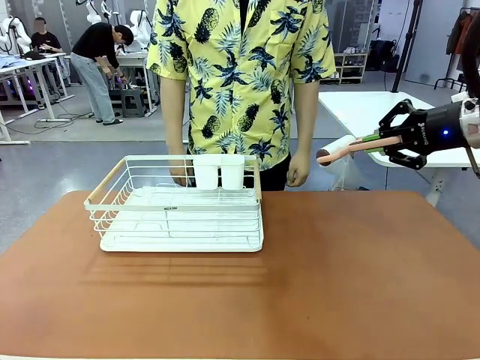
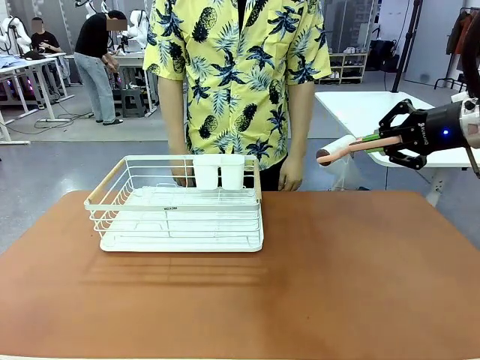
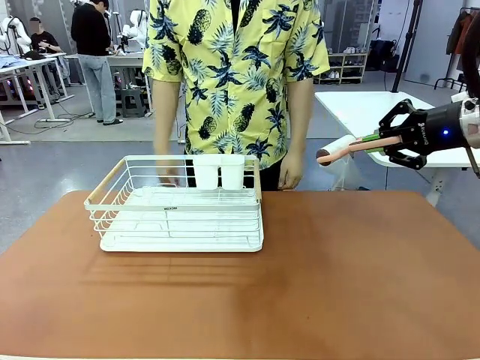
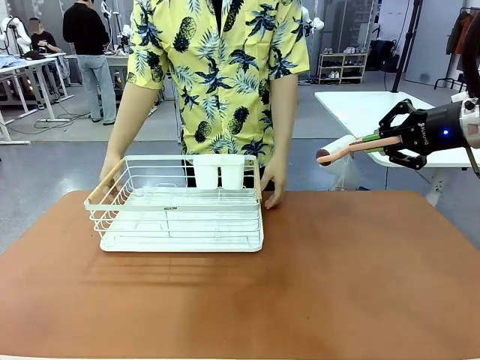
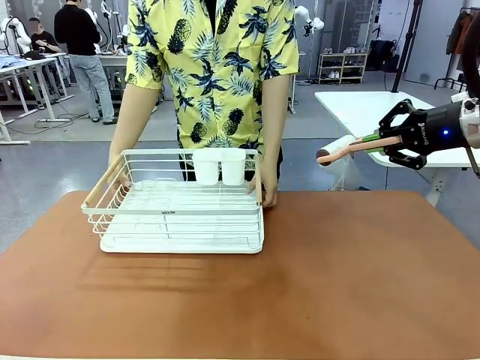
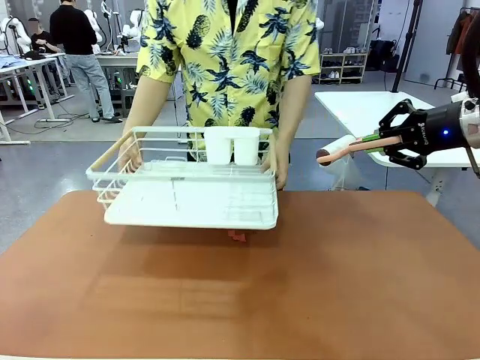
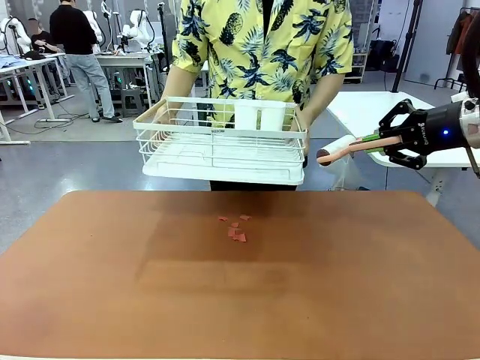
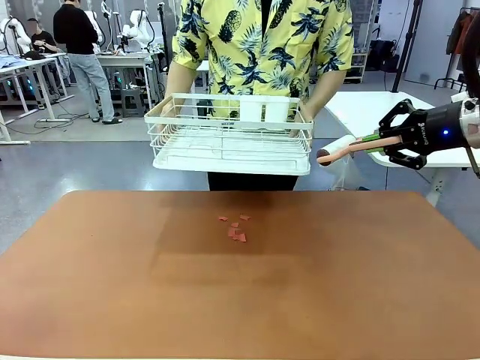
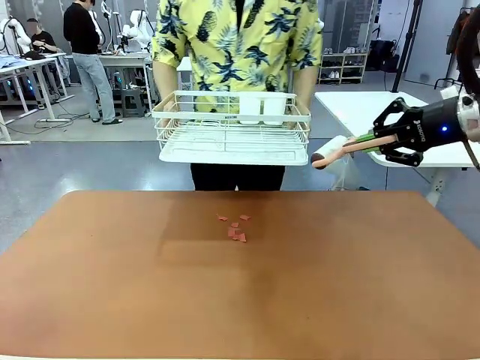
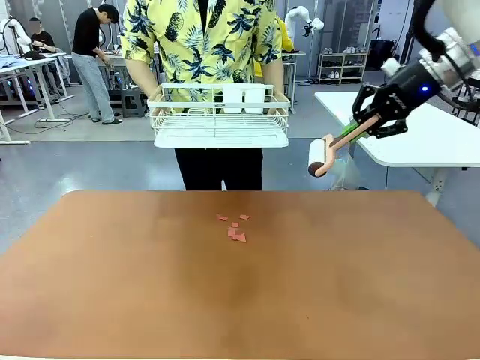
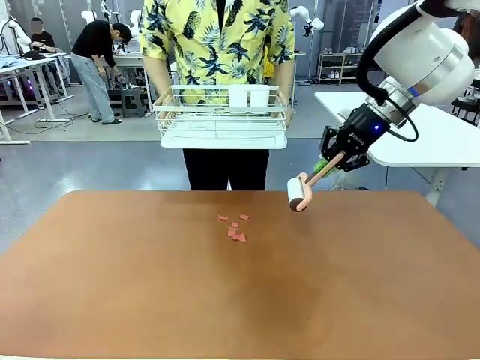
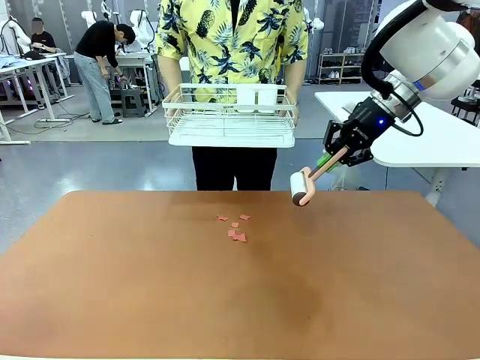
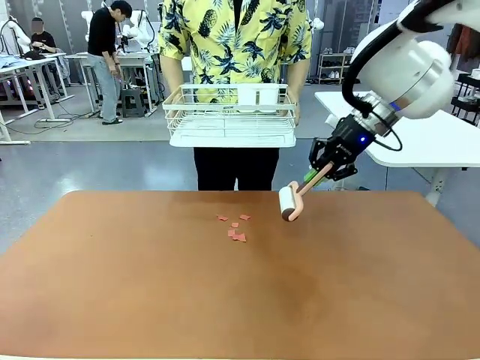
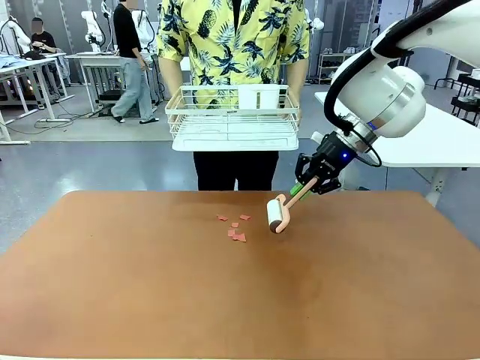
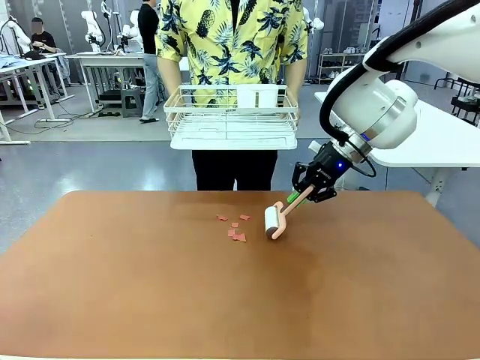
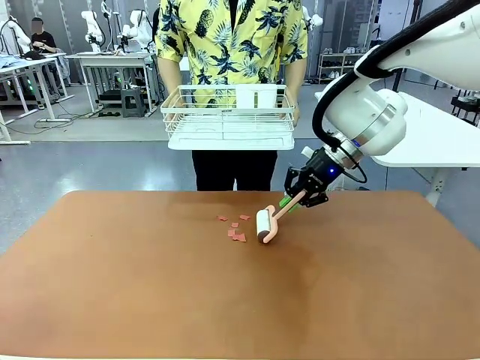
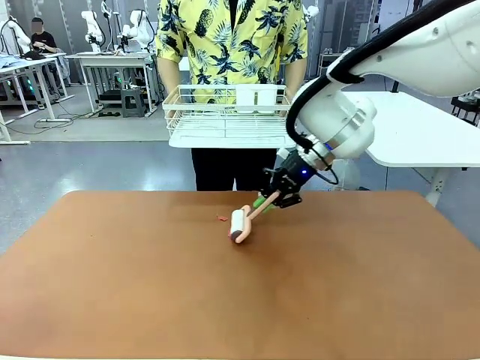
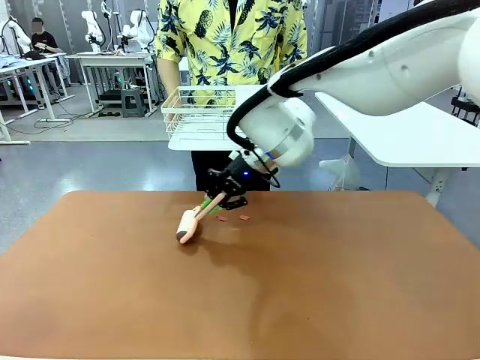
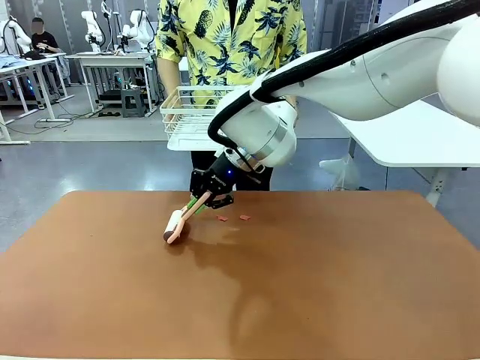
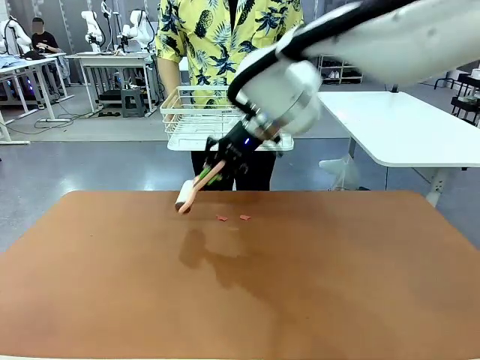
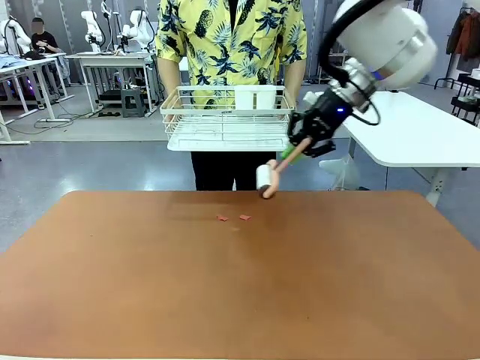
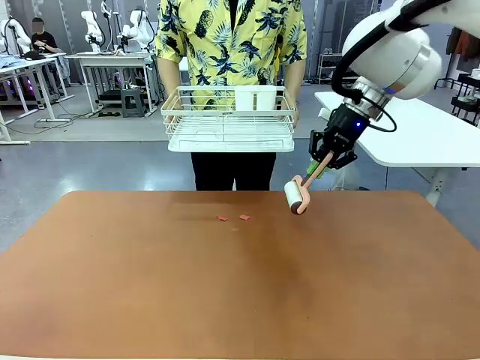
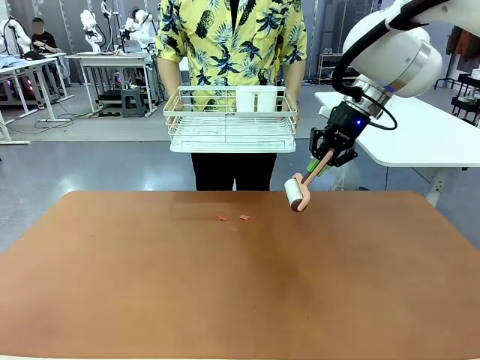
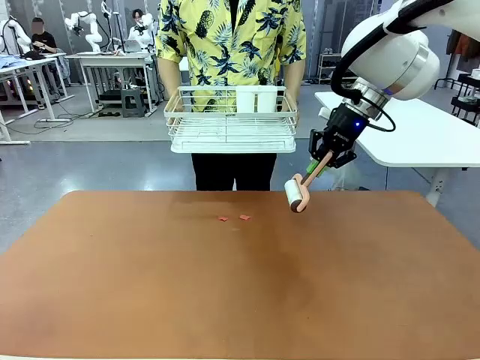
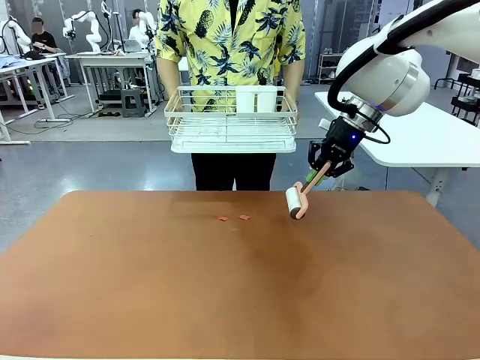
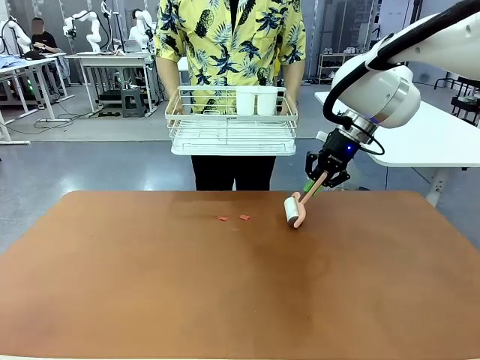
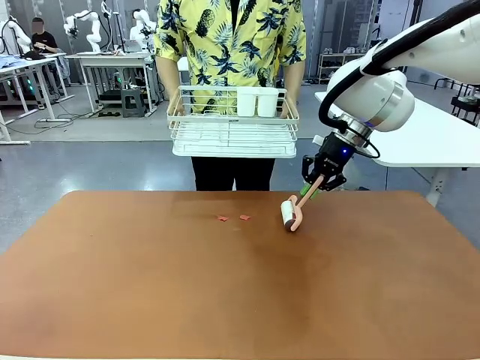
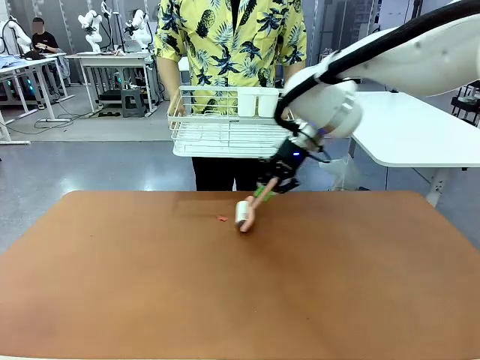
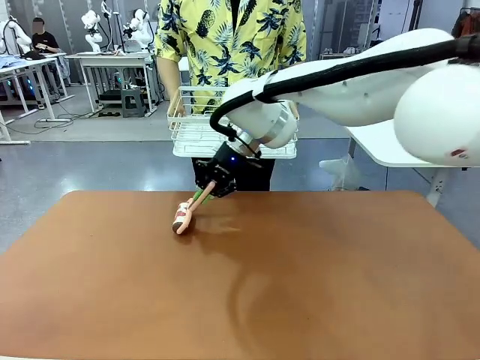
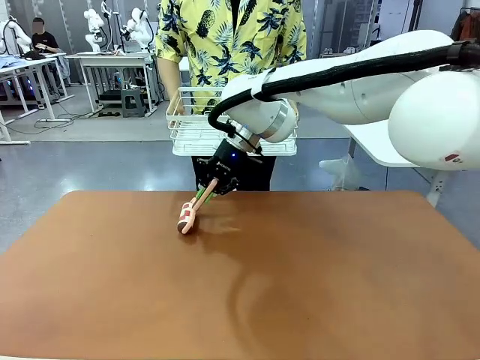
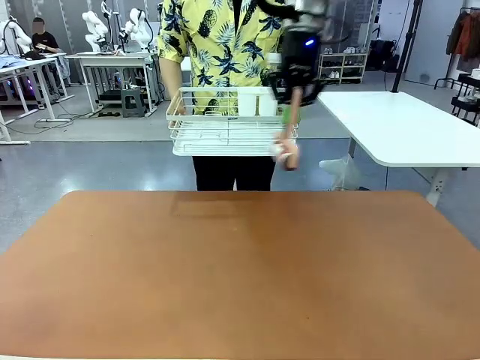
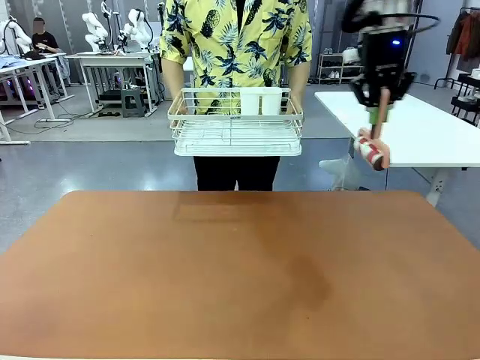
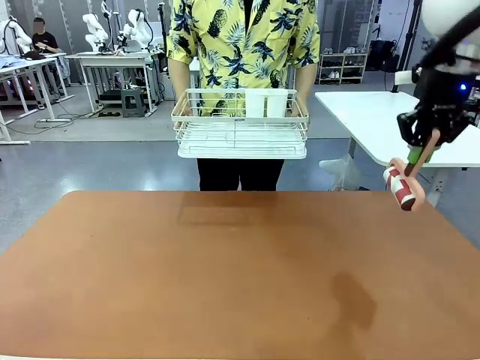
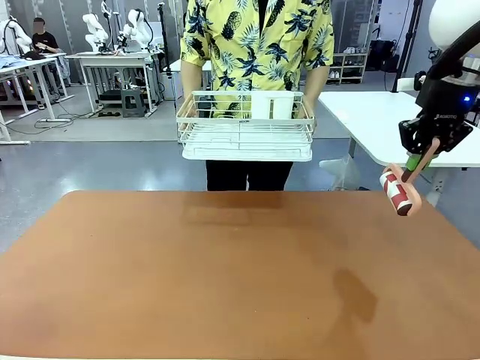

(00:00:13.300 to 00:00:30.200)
Task: Clean the table.
Robot: Clean the table with the Lint Roller when the human lifts the Dish drying rack.
Person: Place the Dish drying rack down when the robot finishes cleaning.

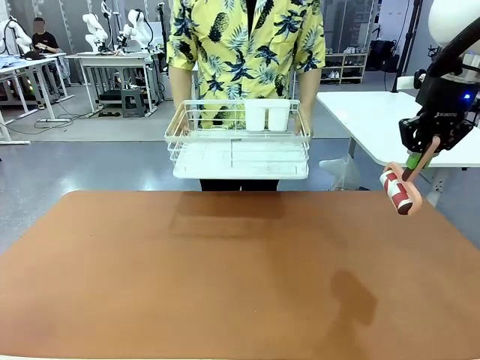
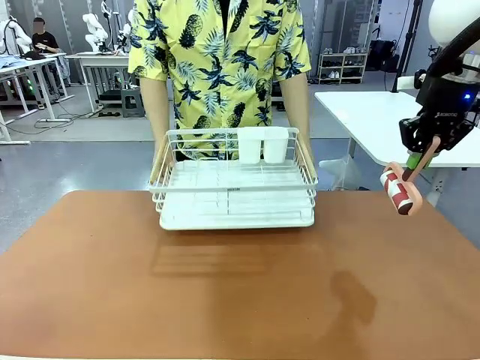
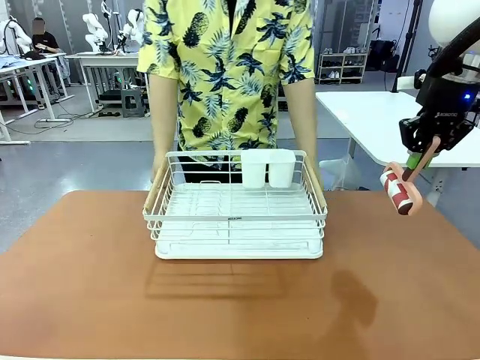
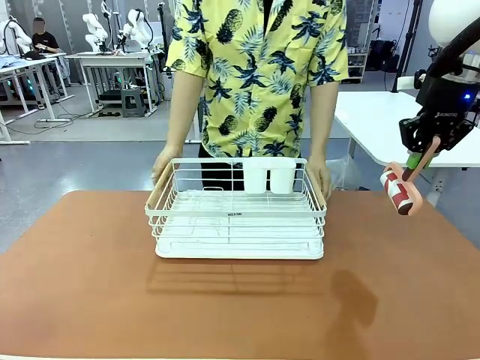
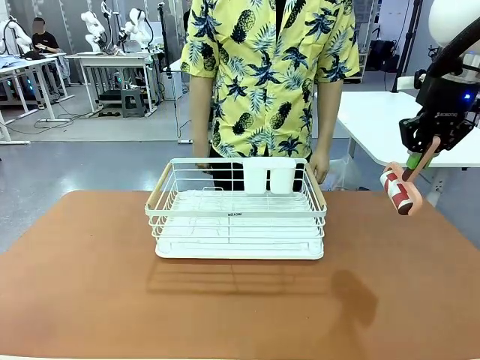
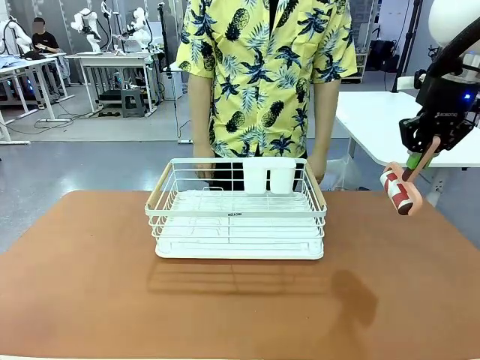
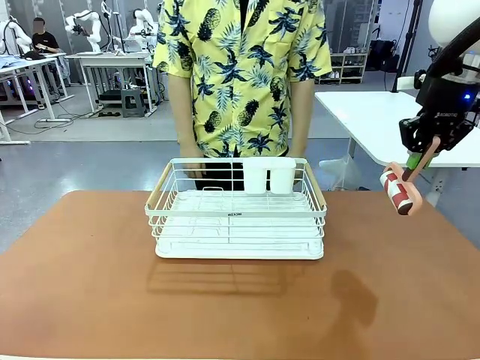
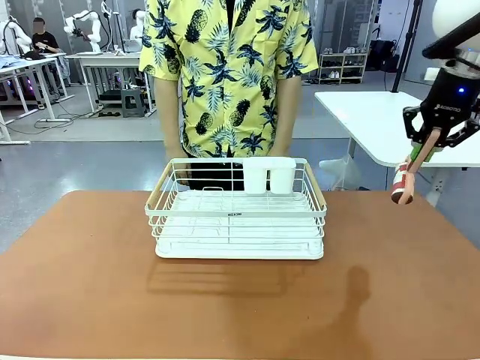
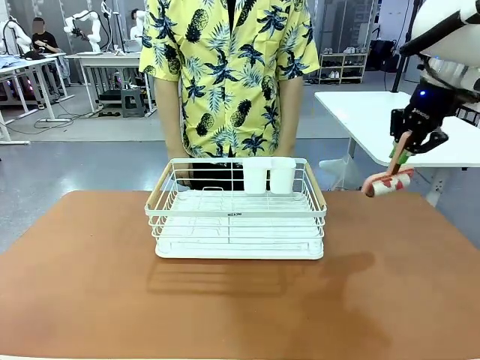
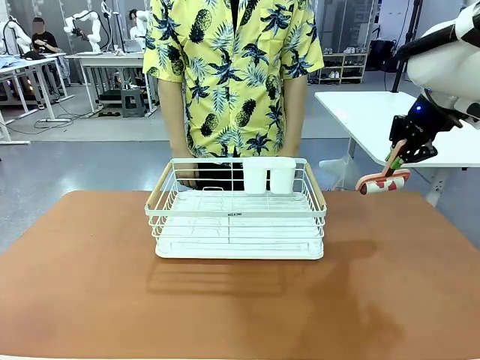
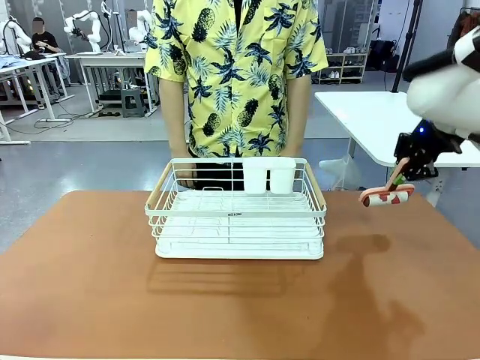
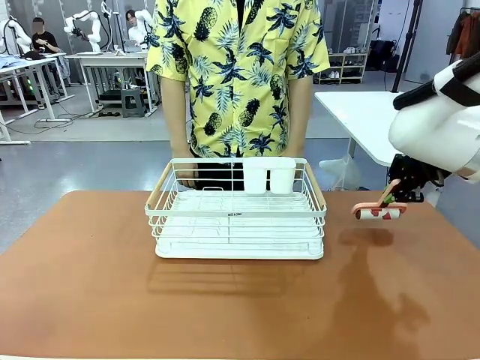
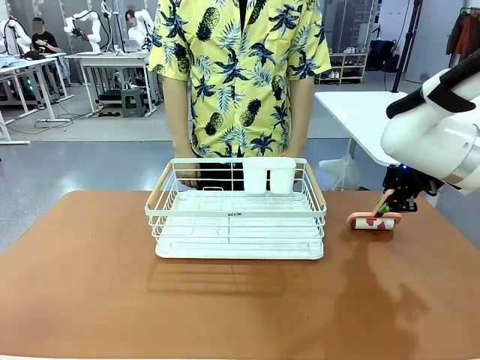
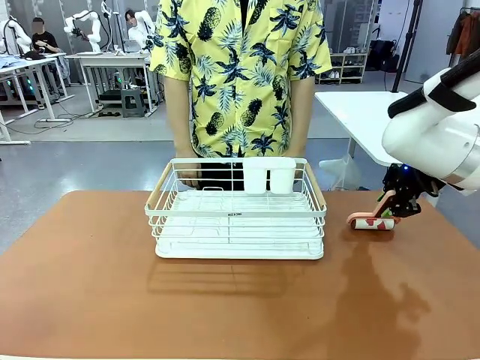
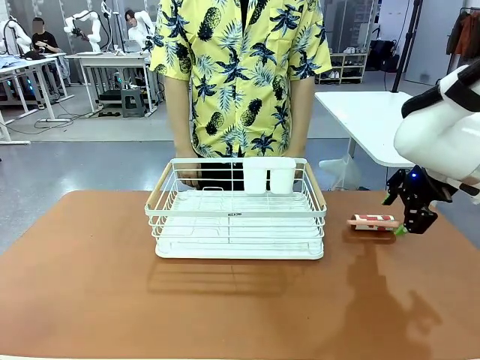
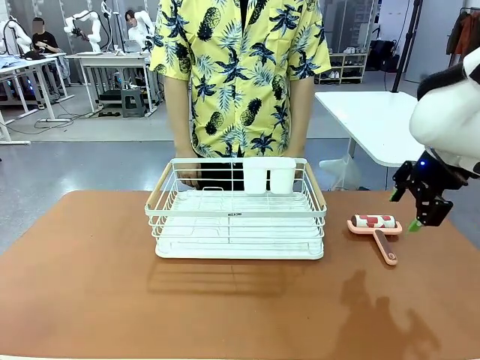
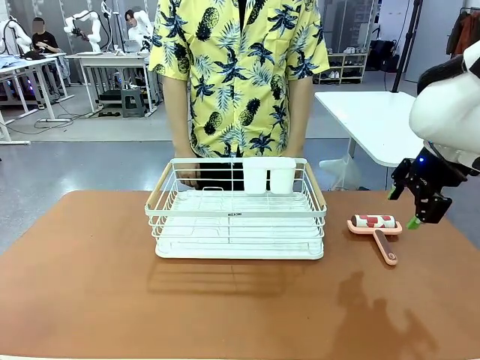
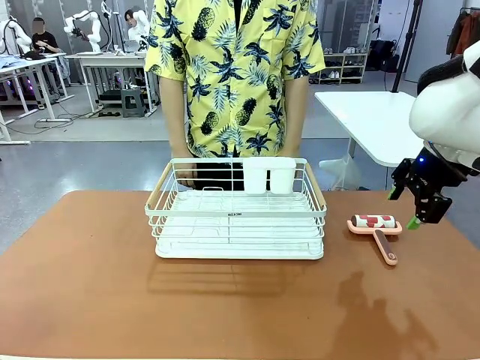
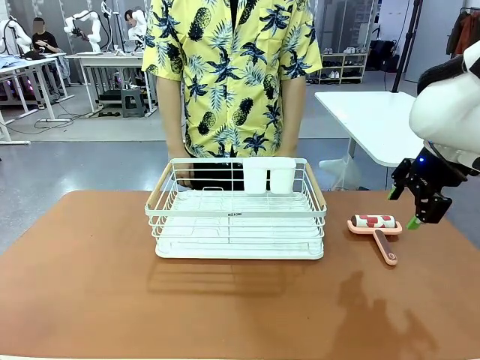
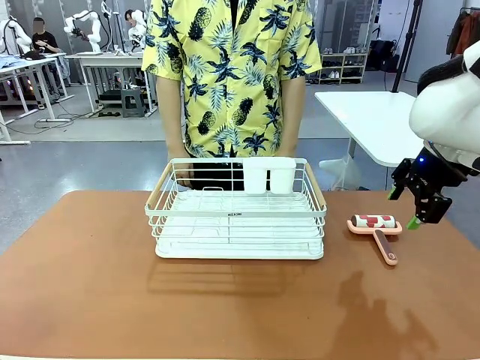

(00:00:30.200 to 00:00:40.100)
Robot: Place the Lint Roller down when the Dish drying rack is positioned in the middle of the table.
